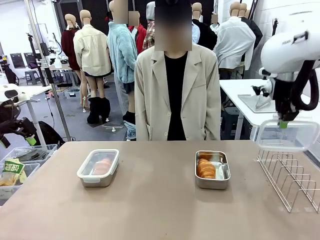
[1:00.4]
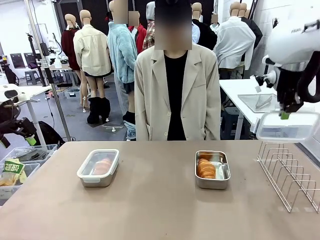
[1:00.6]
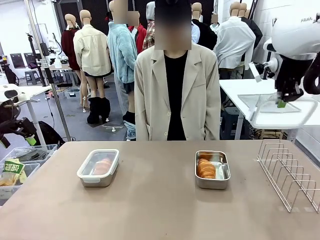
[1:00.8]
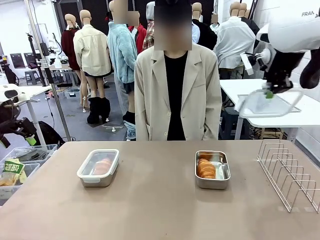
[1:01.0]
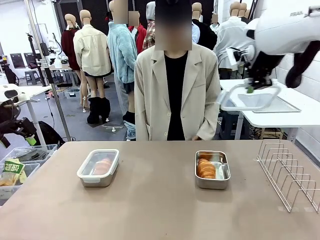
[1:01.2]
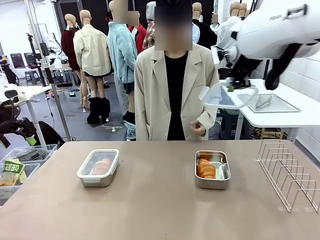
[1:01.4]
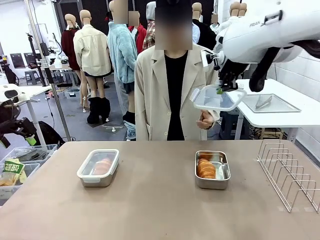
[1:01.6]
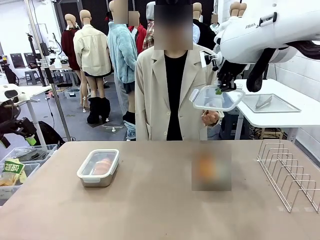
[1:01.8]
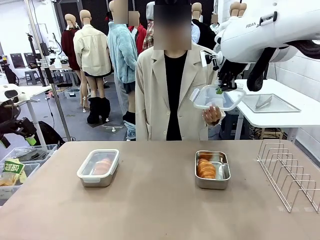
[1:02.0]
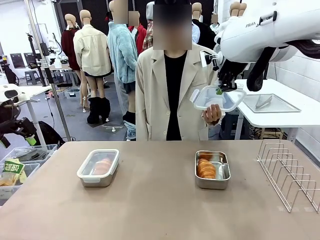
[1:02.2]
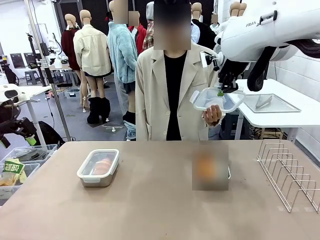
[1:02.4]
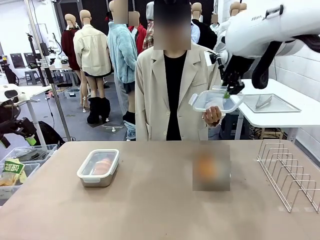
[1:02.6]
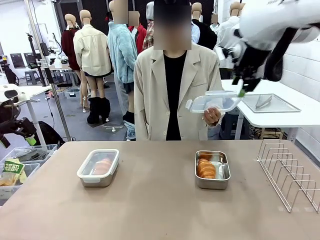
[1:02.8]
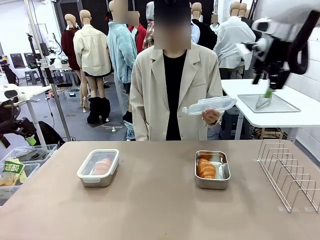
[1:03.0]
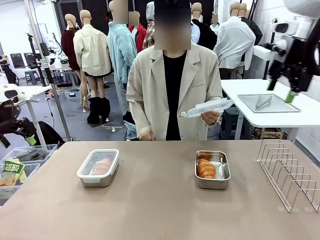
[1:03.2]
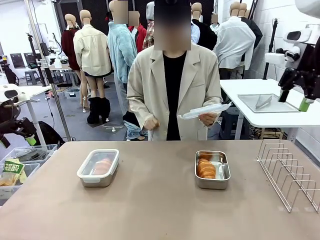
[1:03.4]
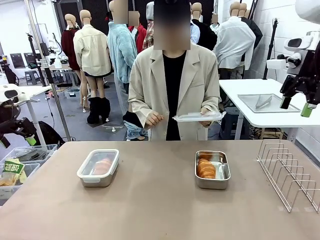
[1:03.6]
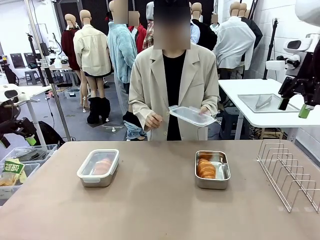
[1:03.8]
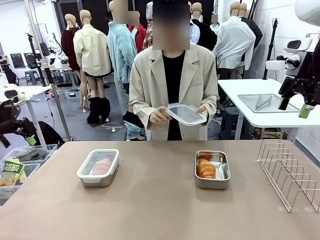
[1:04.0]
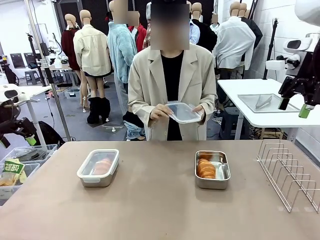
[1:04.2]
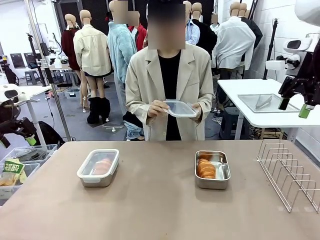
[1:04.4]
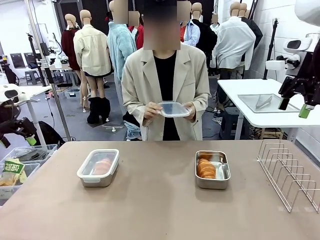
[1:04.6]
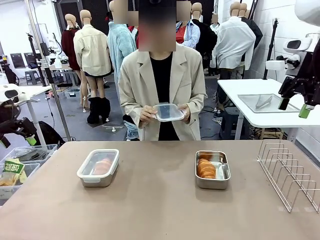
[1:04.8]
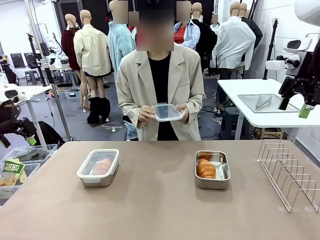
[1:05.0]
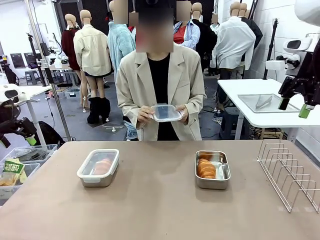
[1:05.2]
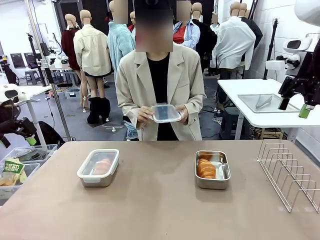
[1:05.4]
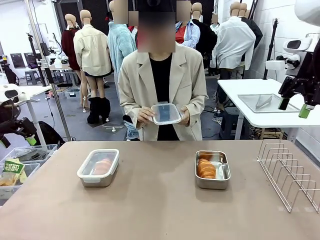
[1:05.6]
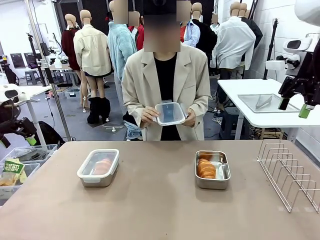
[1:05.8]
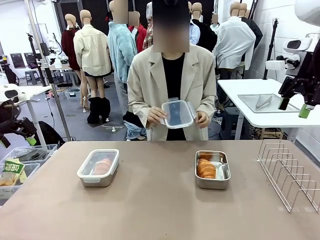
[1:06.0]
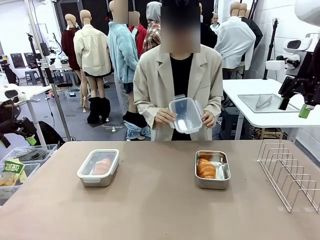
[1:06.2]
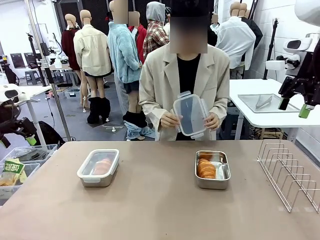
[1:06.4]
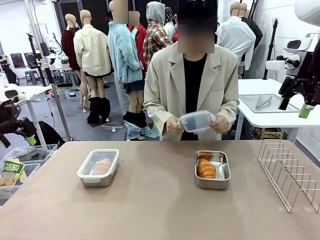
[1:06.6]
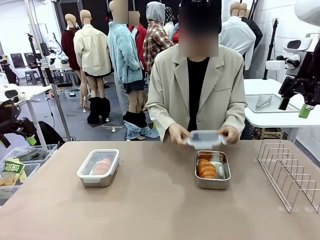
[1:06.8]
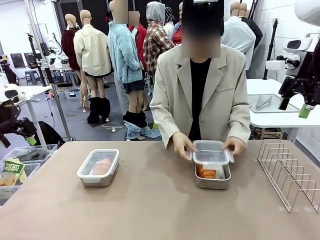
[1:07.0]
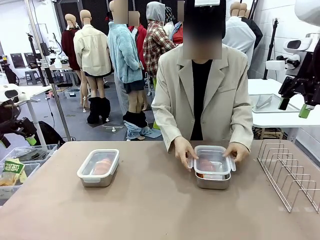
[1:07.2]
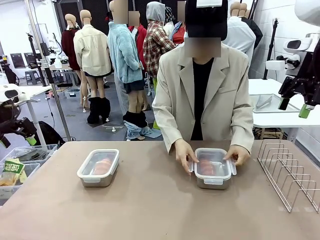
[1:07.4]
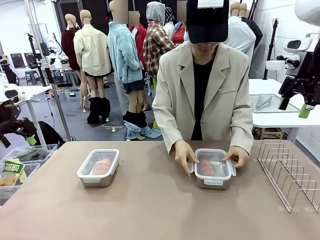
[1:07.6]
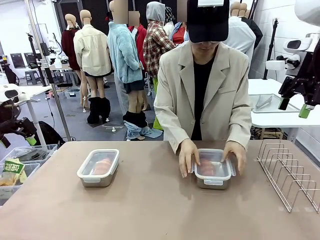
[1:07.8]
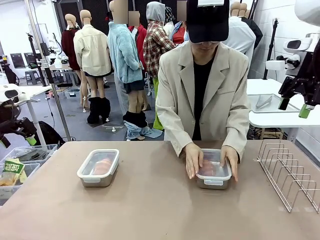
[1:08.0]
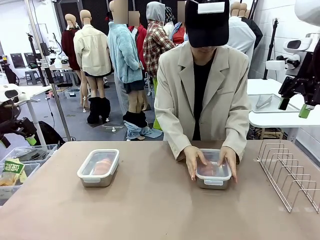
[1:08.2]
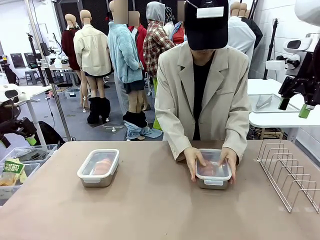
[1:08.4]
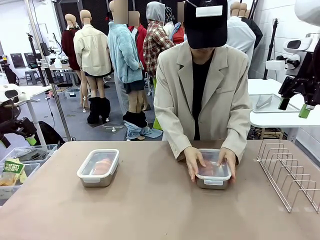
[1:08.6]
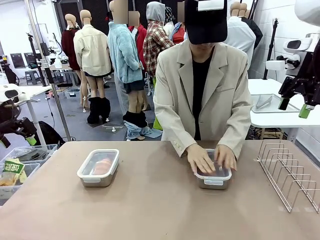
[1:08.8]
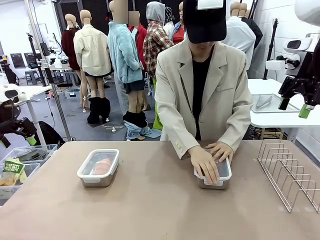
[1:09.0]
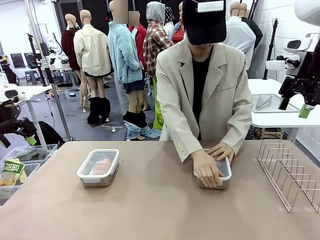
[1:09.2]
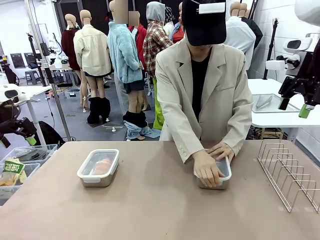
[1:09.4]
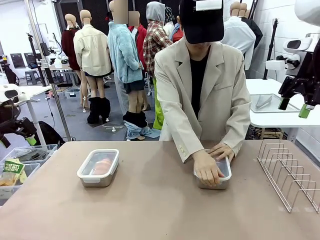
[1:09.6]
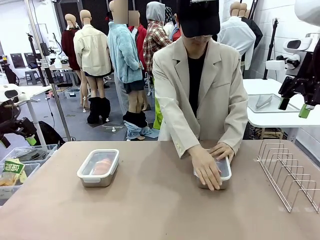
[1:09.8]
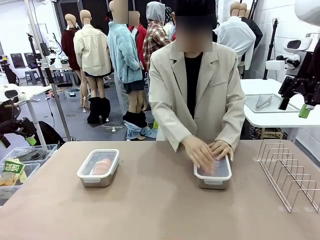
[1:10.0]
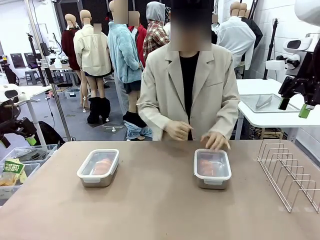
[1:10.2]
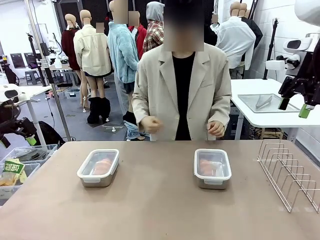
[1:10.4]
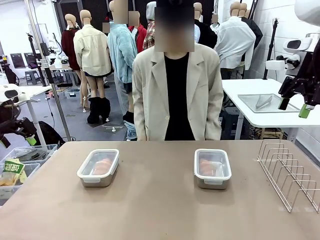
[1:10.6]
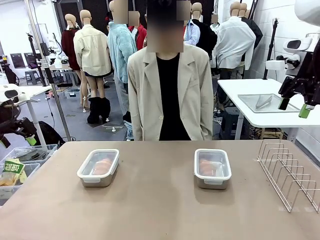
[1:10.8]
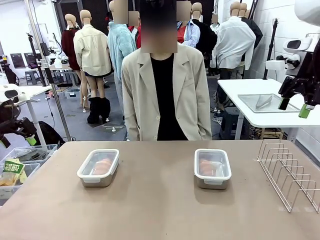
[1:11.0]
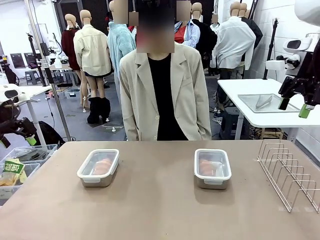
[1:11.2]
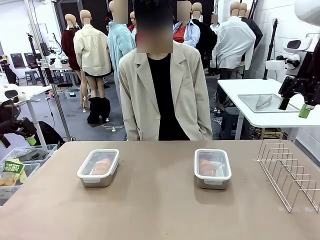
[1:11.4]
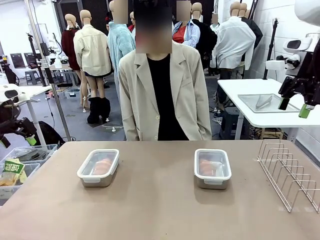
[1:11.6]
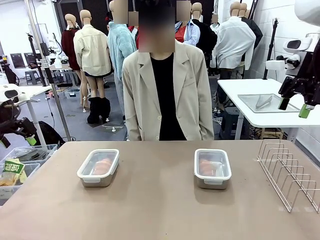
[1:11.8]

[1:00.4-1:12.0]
Task: Place the bread in airtight containers.
Robot: Release when the human grabs the Airtight Container lid.
Person: Grip Airtight Container lid that robot is handing. Close Airtight Container with a handed Airtight Container lid.

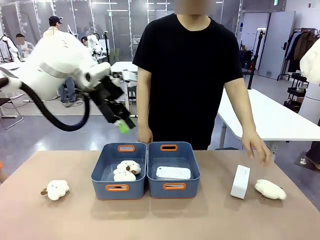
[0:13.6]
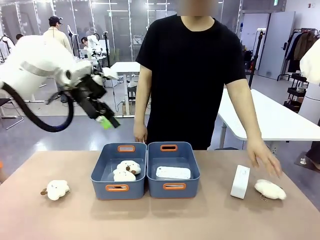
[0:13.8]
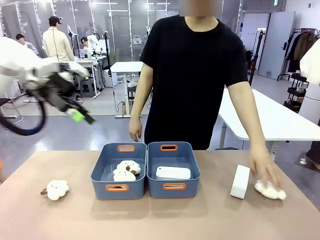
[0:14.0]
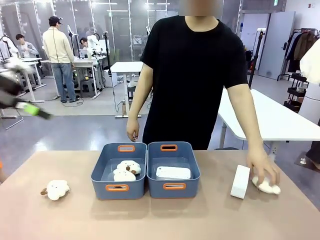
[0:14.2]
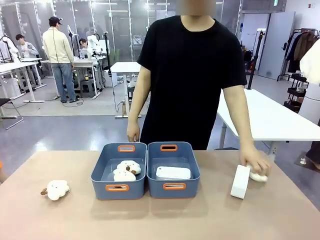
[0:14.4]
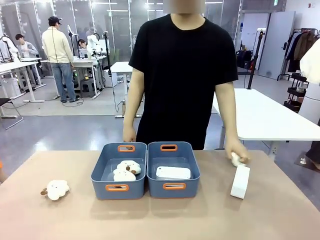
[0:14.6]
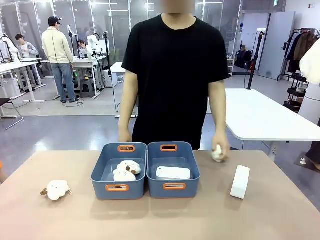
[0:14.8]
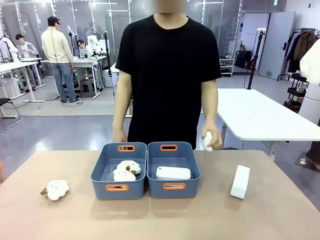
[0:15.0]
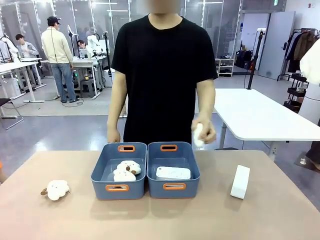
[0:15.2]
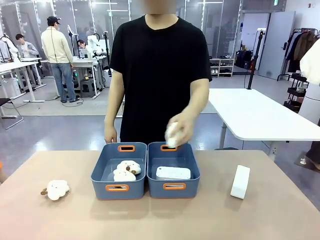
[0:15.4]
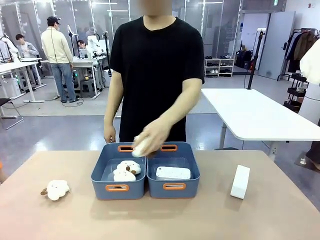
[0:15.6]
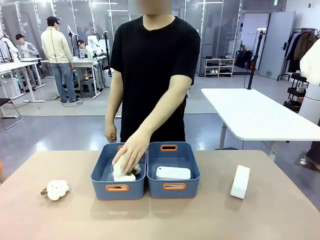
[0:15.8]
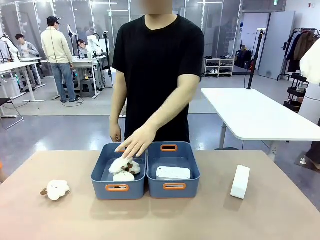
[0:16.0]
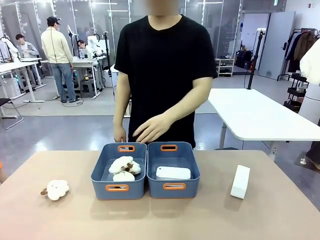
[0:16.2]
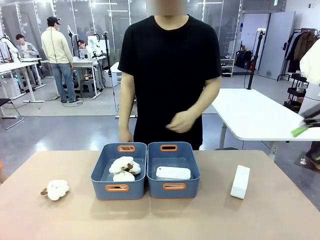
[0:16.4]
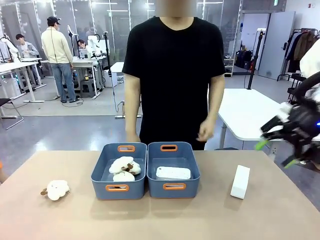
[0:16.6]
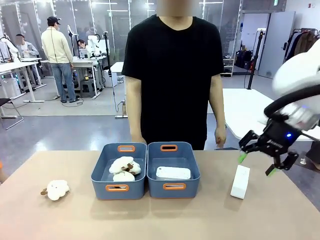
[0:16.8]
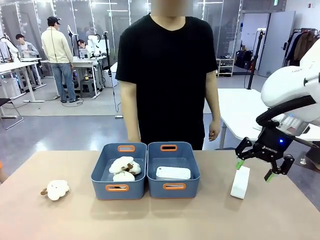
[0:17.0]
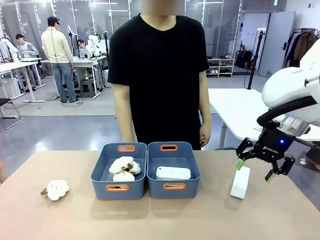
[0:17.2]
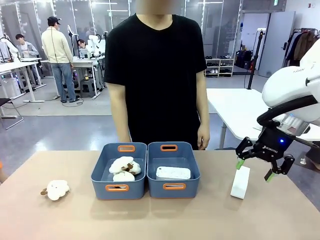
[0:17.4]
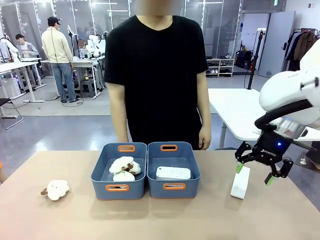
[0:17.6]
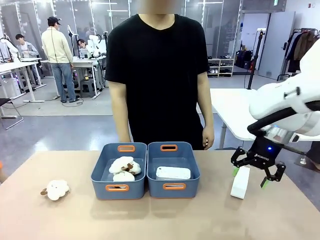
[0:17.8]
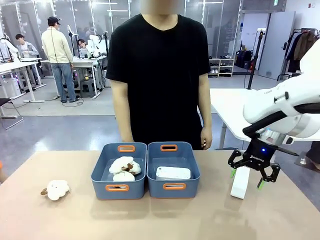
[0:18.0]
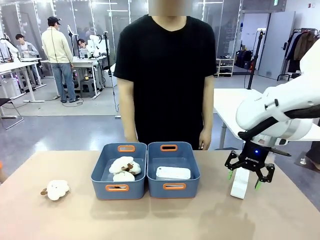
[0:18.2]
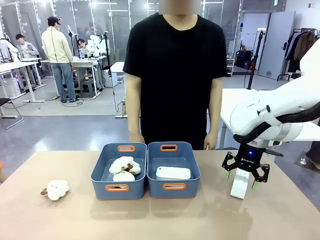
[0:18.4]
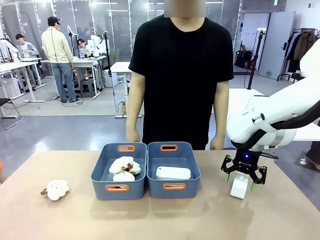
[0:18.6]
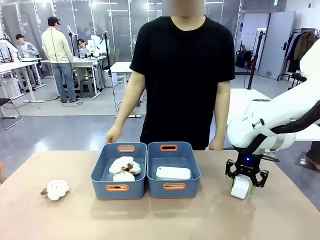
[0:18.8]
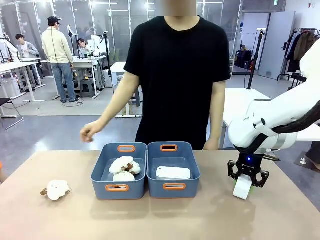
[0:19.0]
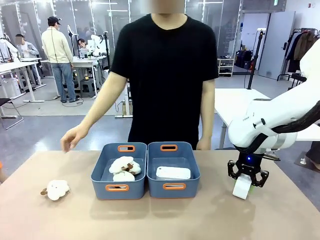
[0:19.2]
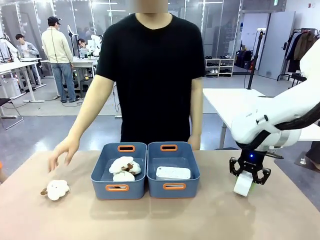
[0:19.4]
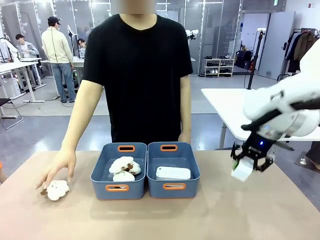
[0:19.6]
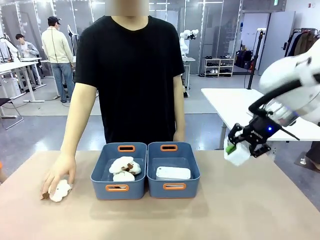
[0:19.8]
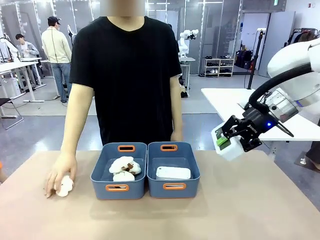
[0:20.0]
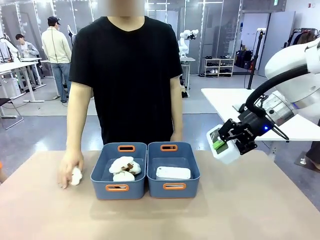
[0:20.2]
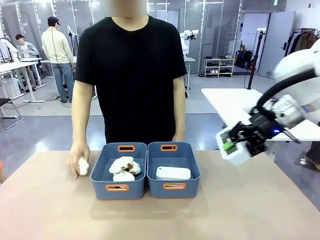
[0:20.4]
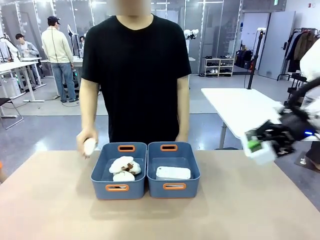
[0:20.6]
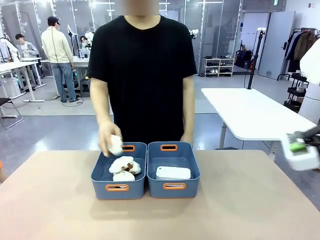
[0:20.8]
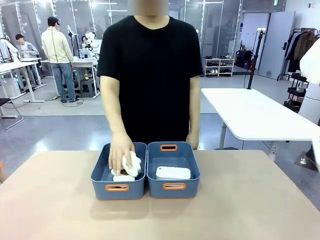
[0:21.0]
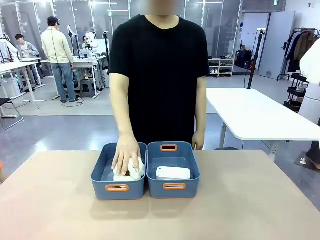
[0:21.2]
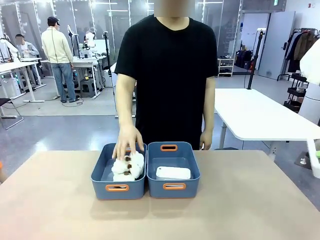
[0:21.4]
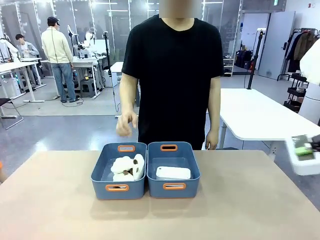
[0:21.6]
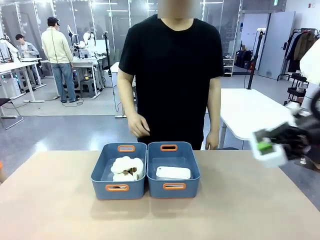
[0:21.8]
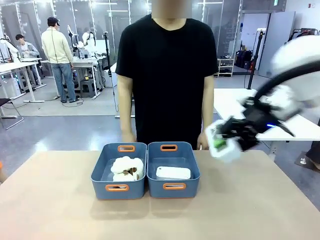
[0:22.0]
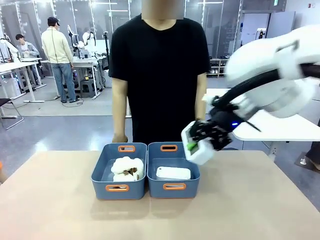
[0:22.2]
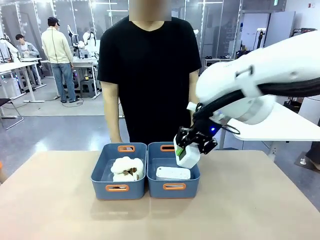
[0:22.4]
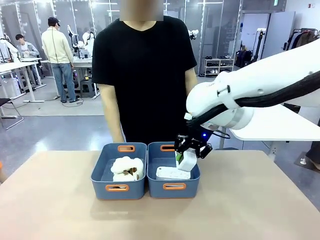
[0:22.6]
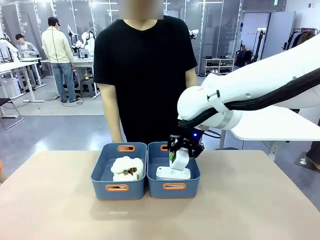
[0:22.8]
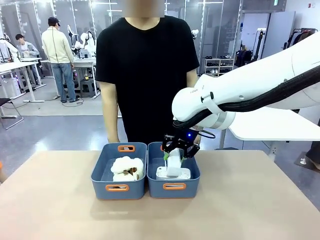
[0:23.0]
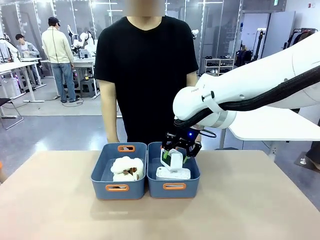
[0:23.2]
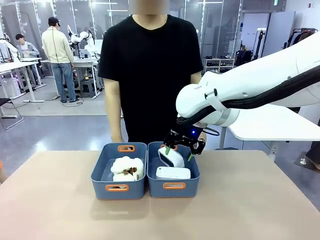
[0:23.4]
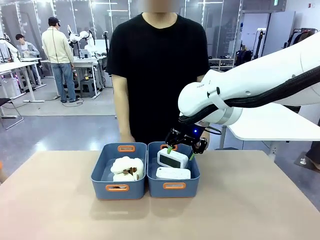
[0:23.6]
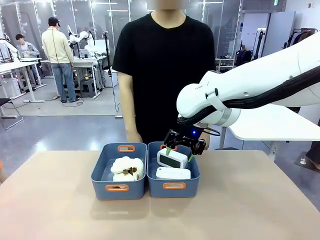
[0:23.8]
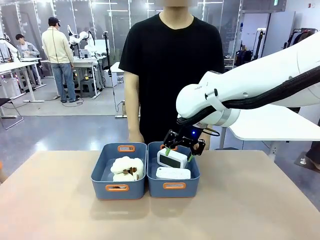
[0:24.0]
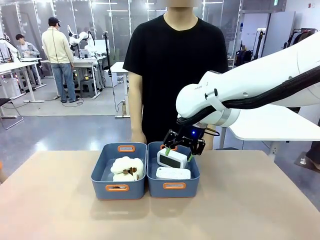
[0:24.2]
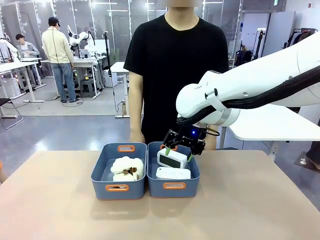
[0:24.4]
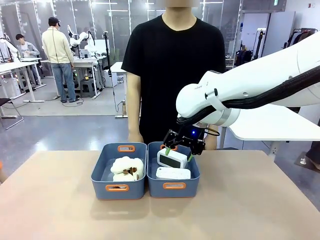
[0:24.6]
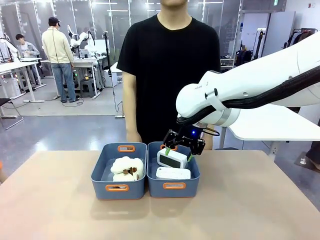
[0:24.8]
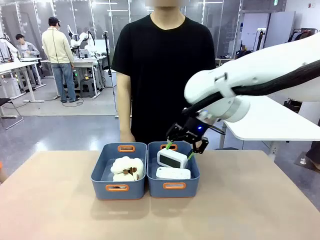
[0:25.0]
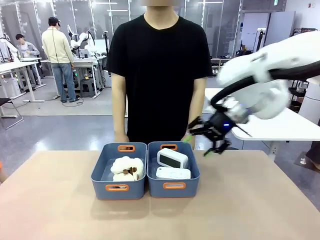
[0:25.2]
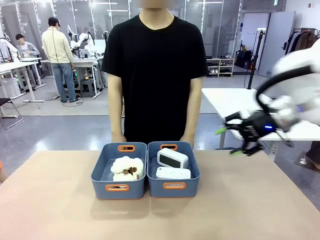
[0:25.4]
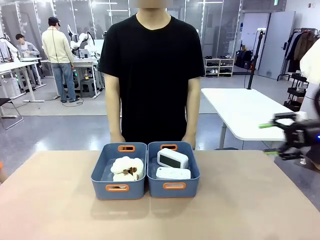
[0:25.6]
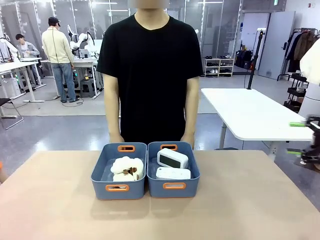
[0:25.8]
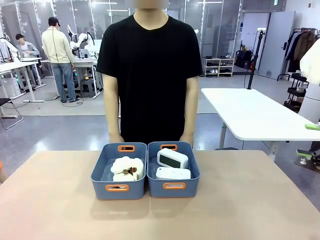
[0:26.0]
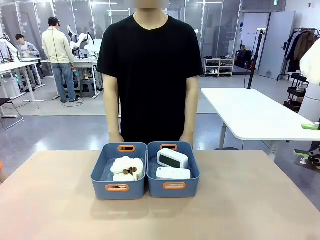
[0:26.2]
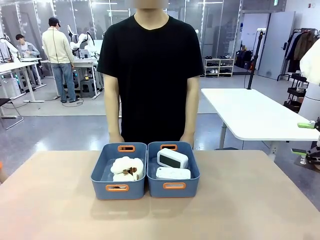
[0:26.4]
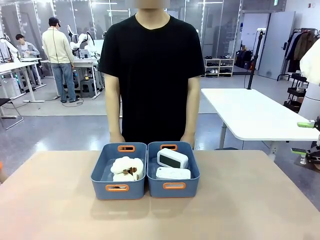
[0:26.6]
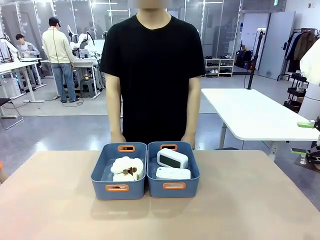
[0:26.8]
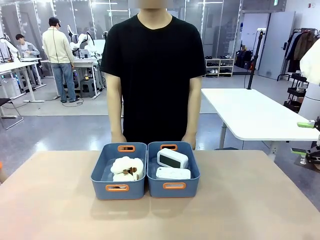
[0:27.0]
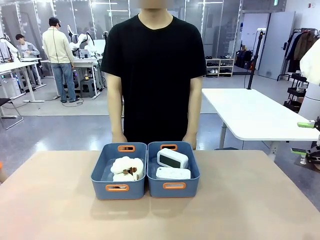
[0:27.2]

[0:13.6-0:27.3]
Task: Sort the digital clocks into the basket.
Robot: Pick up the Digital clock from the table and place it into the empty Plastic storage basket.
Person: Pick up a plush toy from the table and place it in the plastic storage basket containing the plush toy.
